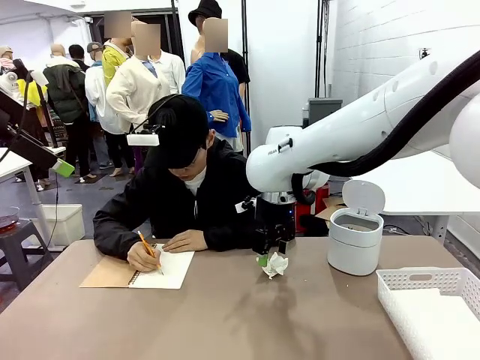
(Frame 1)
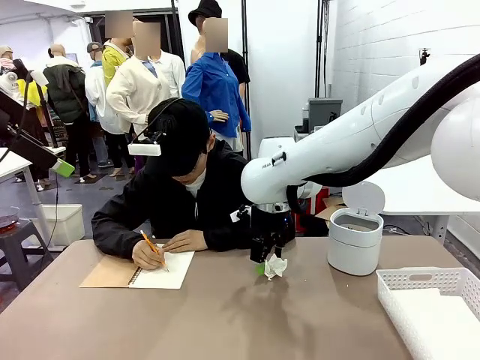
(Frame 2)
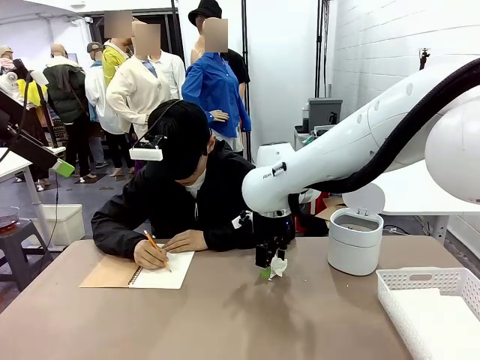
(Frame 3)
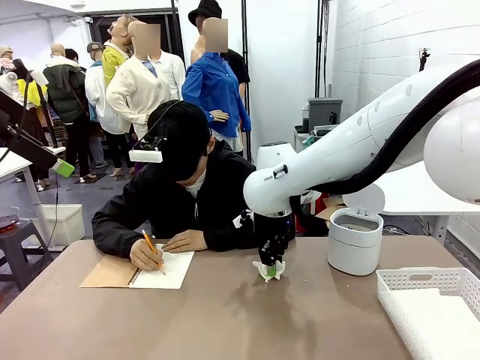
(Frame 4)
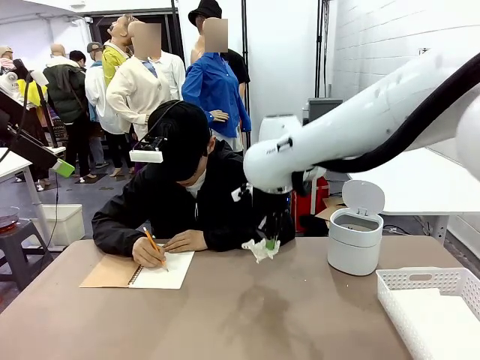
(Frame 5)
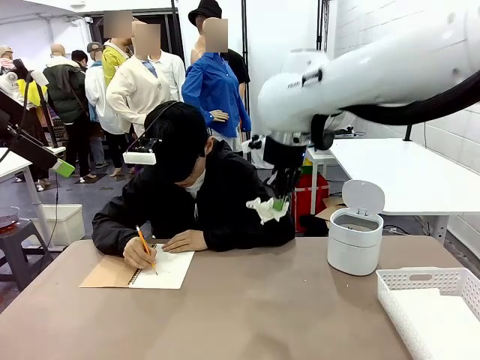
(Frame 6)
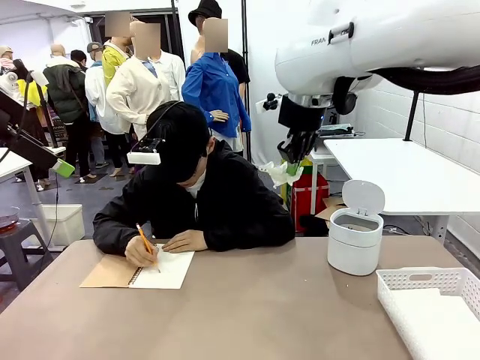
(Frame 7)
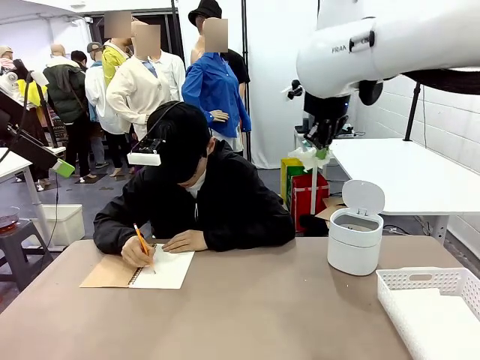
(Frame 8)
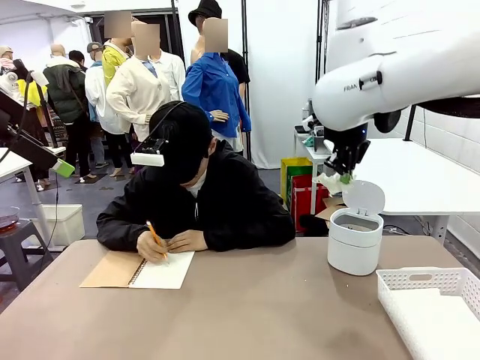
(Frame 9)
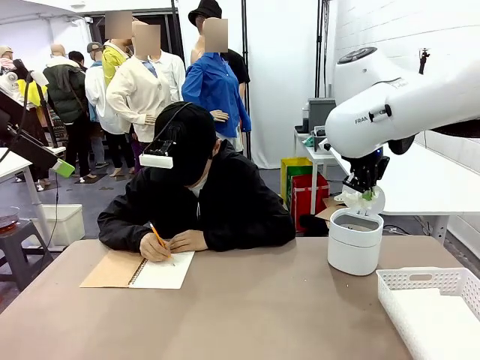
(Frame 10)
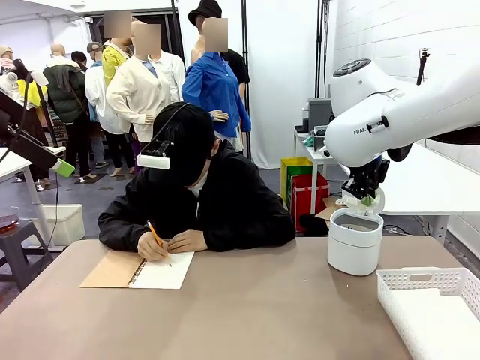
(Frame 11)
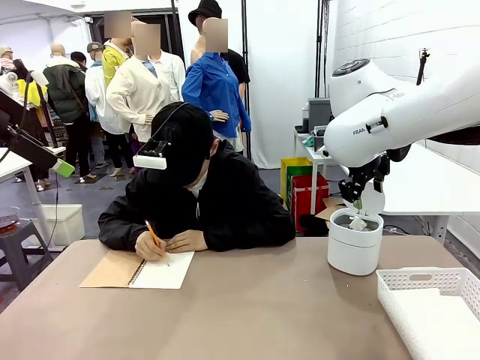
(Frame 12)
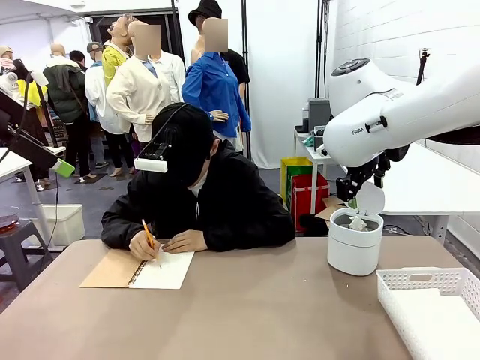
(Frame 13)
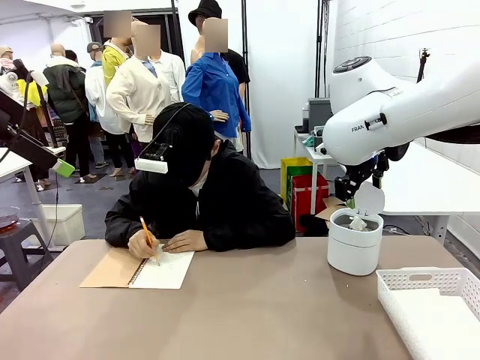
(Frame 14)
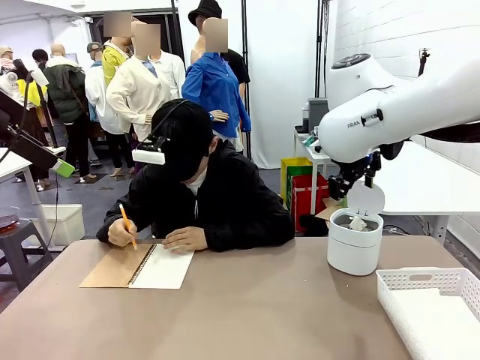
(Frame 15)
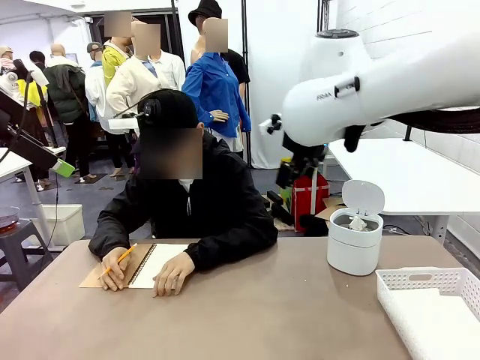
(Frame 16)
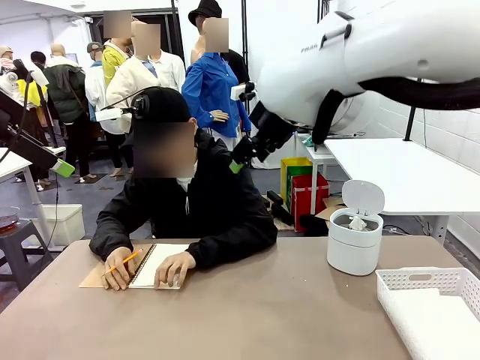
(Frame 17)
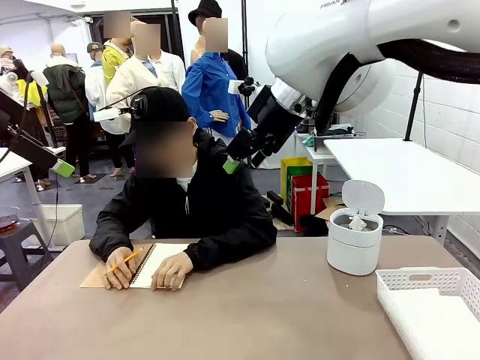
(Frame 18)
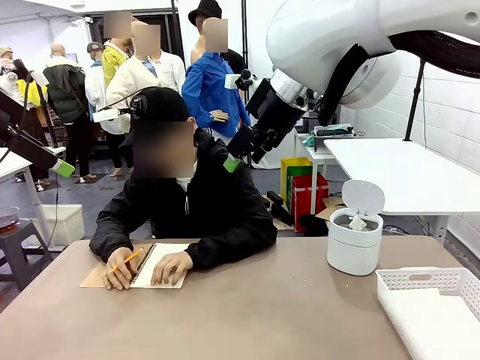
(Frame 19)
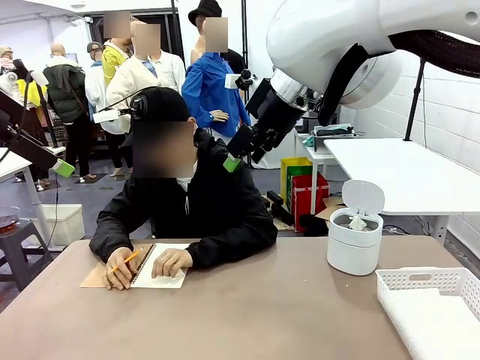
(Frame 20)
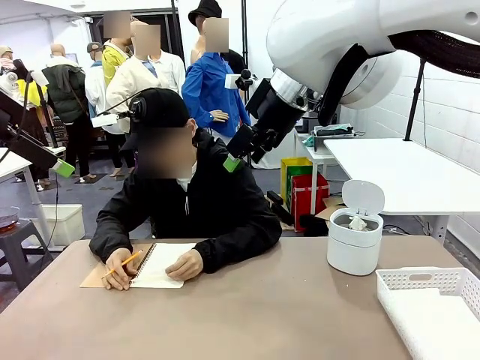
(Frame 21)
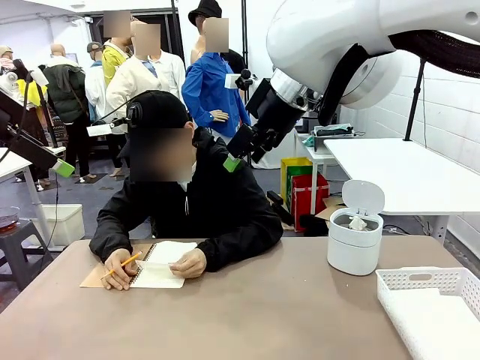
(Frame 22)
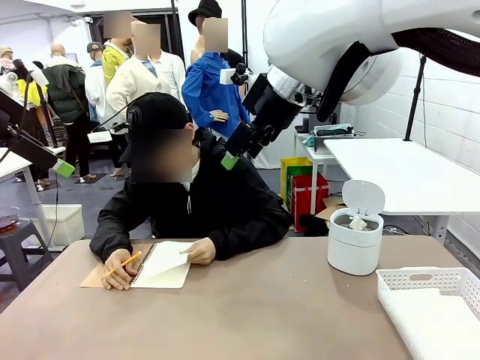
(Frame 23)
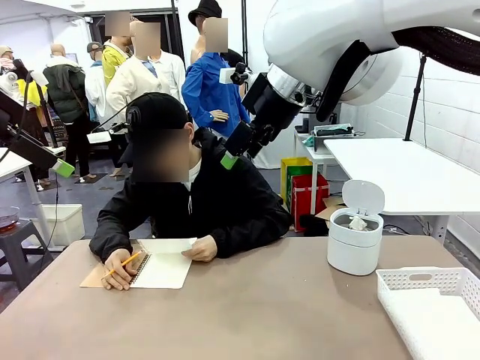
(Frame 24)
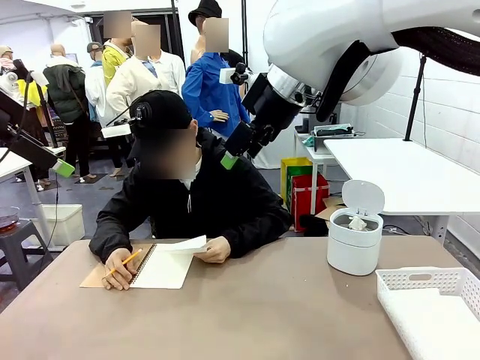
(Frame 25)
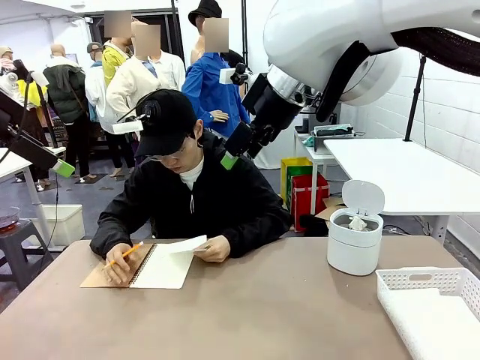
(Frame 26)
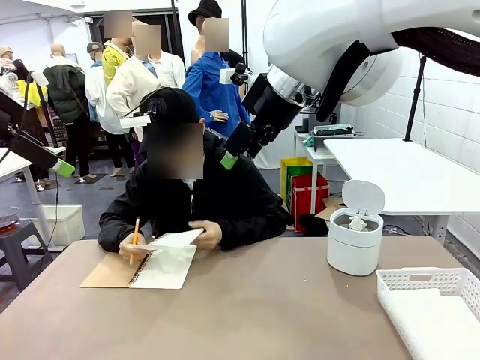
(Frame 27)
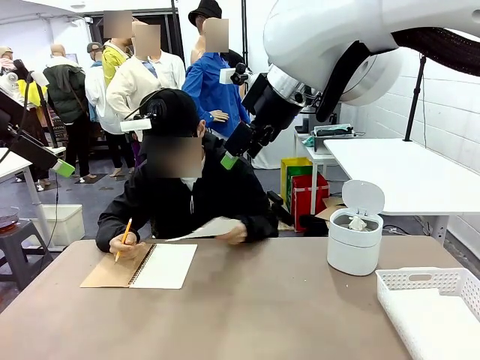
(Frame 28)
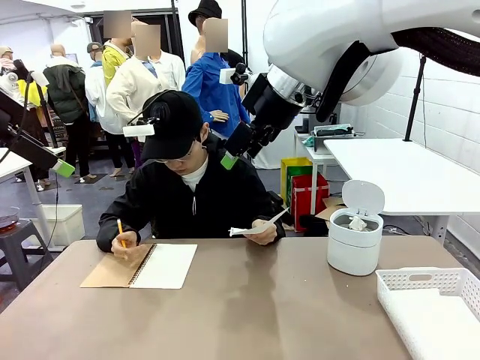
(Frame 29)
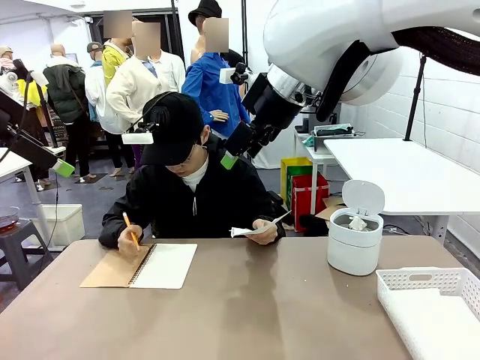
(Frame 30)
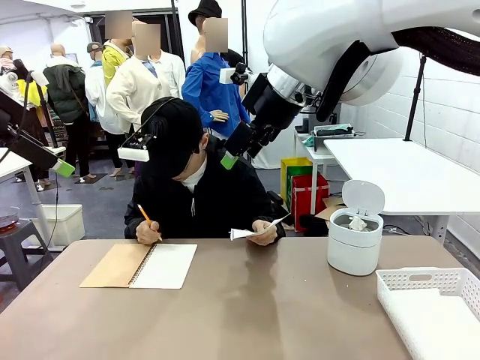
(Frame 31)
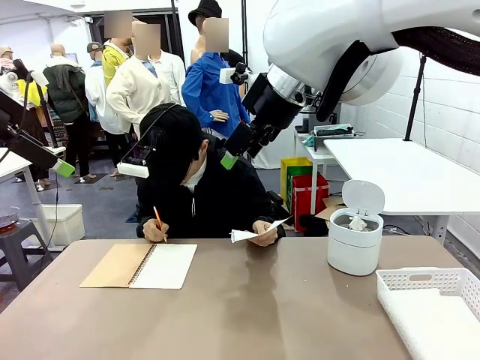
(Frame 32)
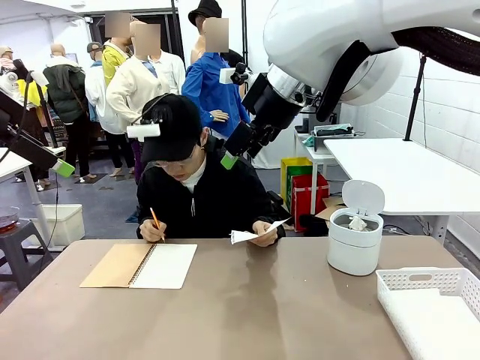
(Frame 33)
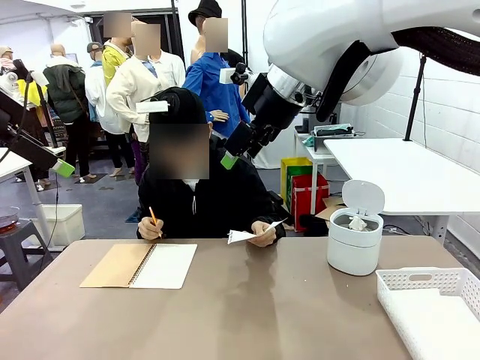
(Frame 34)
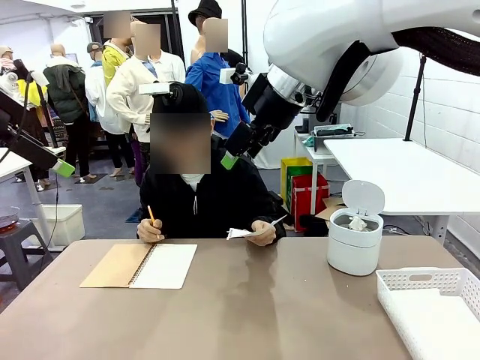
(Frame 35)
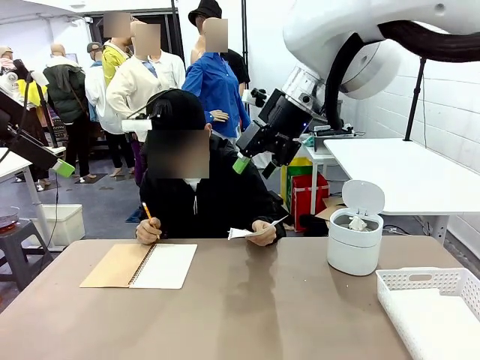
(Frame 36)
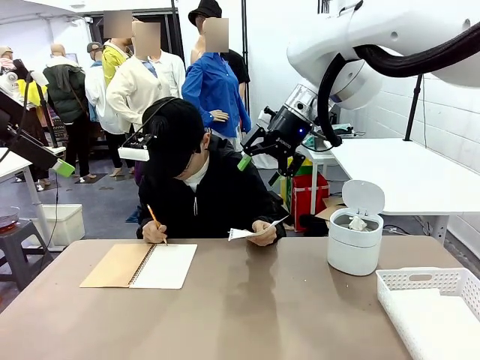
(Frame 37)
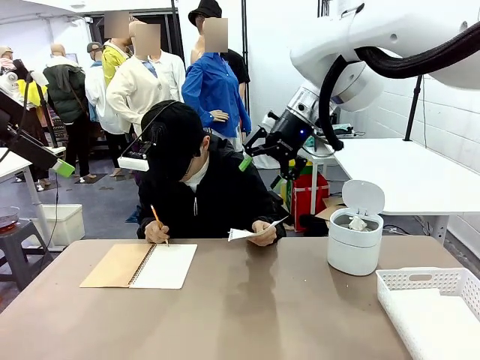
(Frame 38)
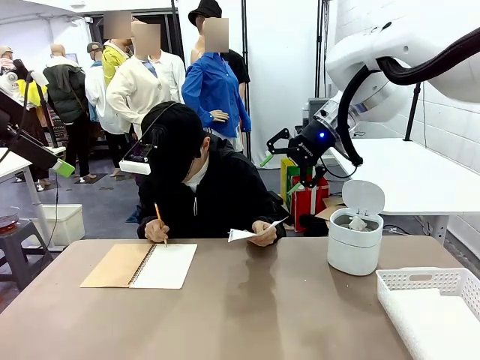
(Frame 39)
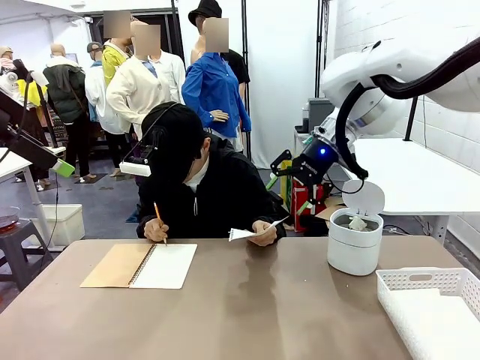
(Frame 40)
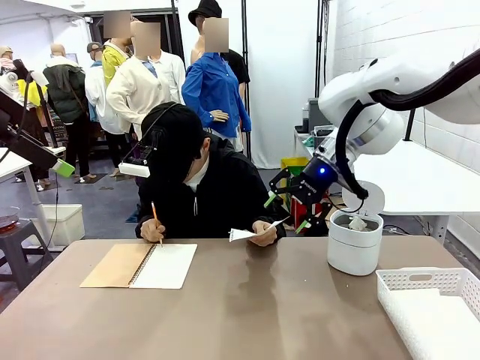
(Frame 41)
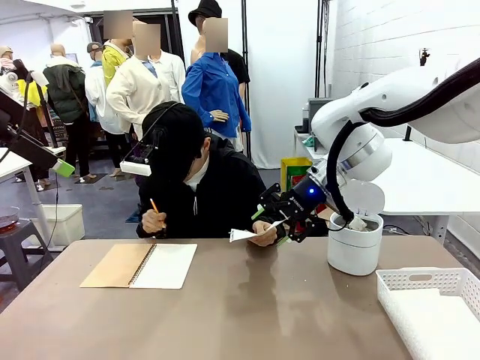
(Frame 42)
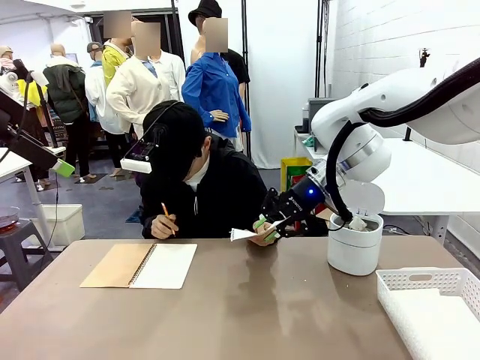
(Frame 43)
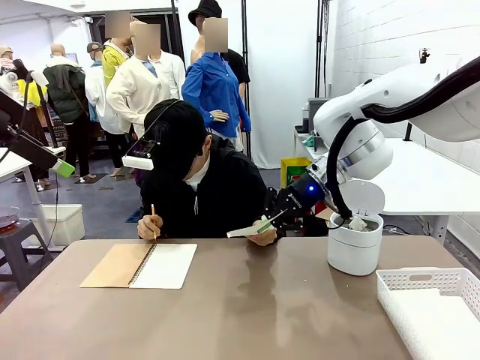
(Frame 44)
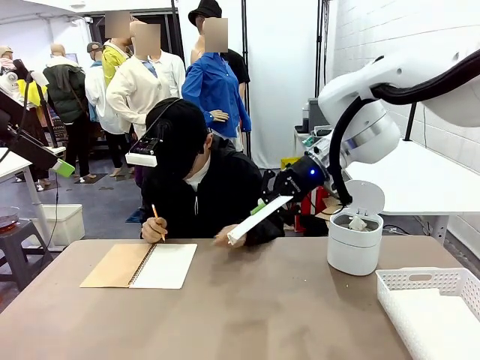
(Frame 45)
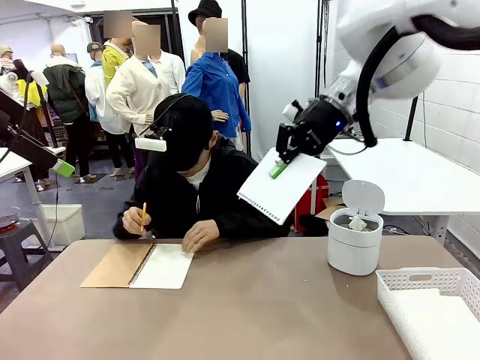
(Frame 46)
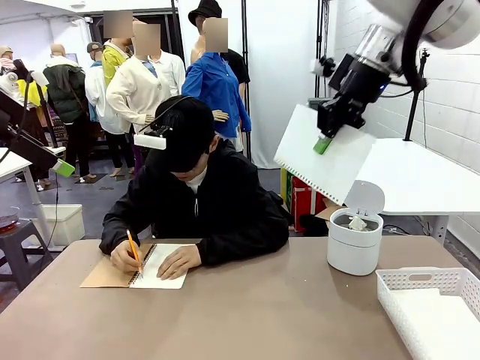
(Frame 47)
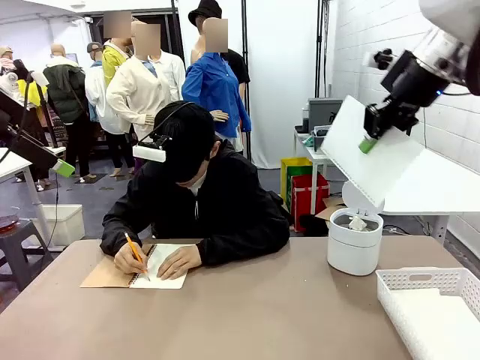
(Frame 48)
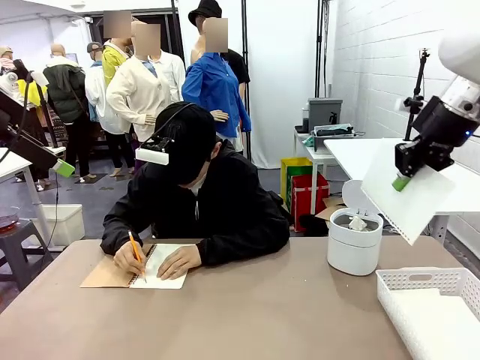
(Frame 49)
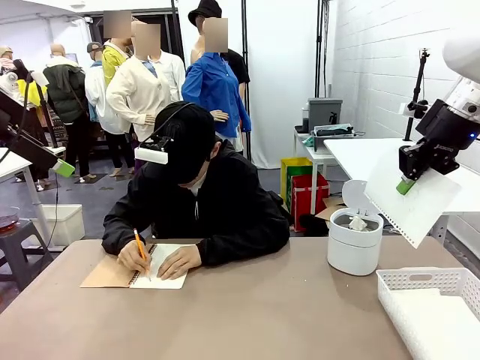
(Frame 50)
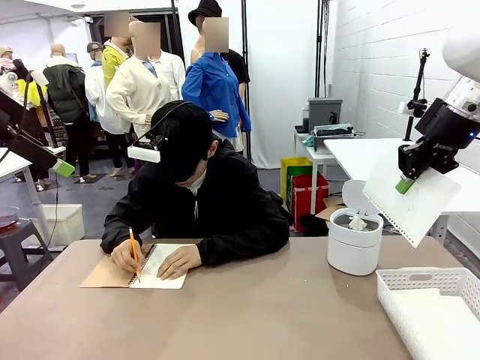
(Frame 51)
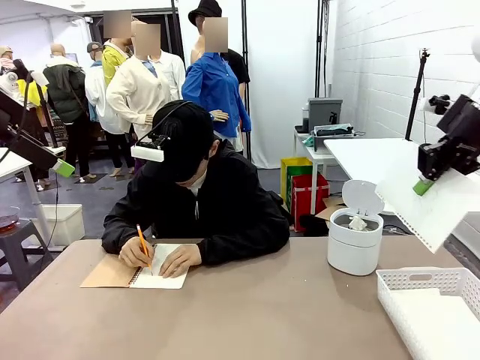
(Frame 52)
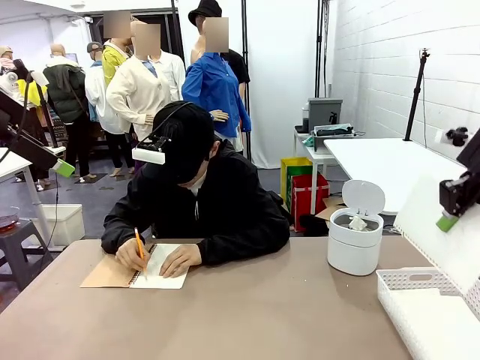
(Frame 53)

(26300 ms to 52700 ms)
Task: Sort the paper based on its condition.
Robot: If a person hands you a paper, place it in the Organizing basket , and if it's crumpled, put it in the Trash can.
Person: Tear out a page from the spiral notebook. Hand the torn page to the robot or crumple it and throw it to the center of the table. Tear out a page from the spiral notebook.
